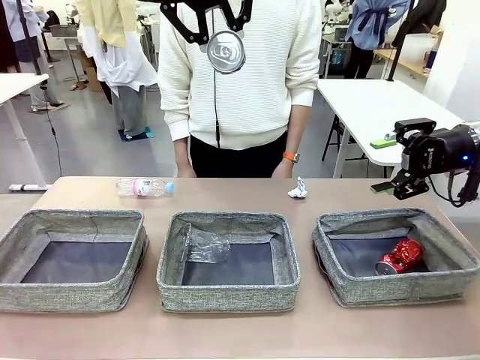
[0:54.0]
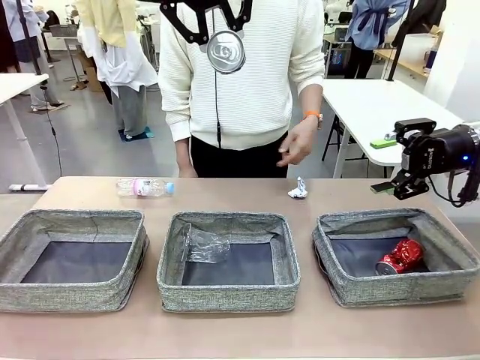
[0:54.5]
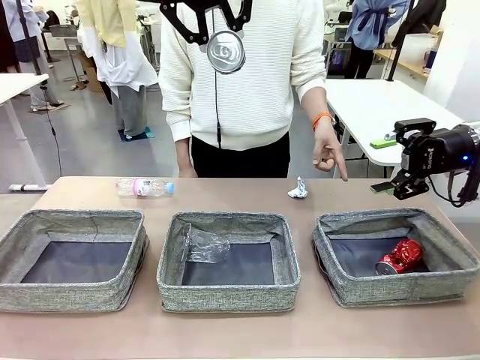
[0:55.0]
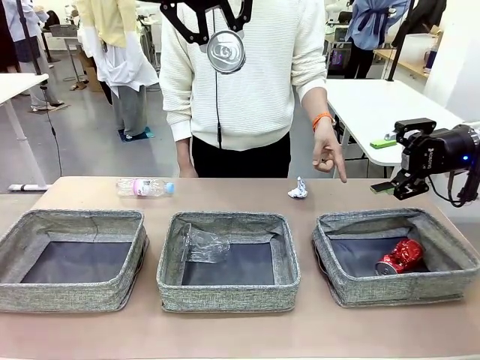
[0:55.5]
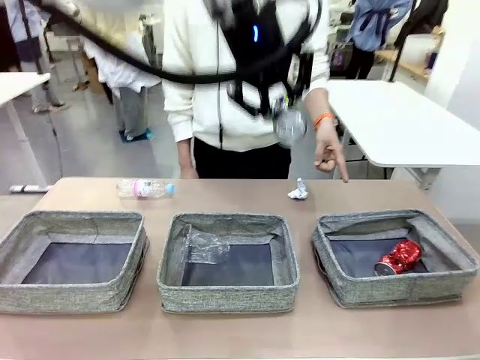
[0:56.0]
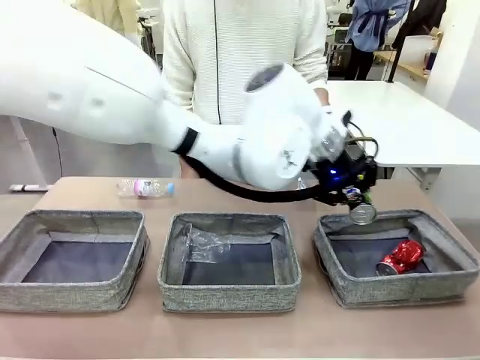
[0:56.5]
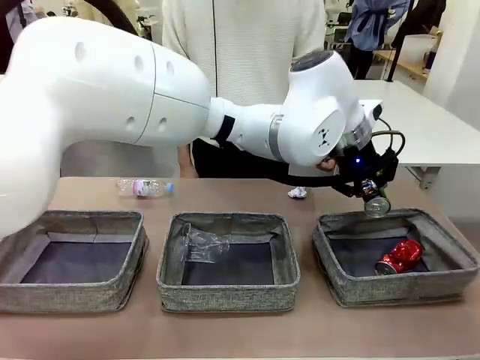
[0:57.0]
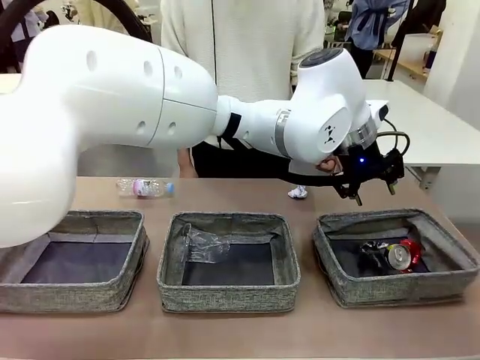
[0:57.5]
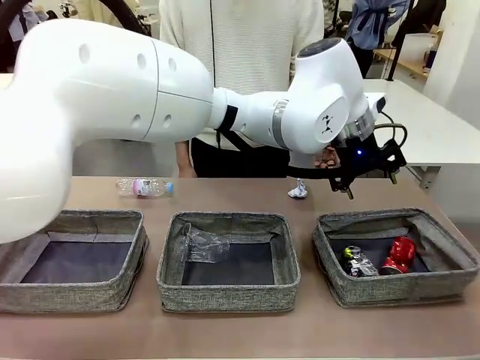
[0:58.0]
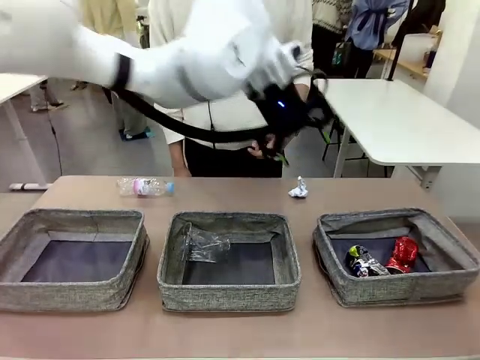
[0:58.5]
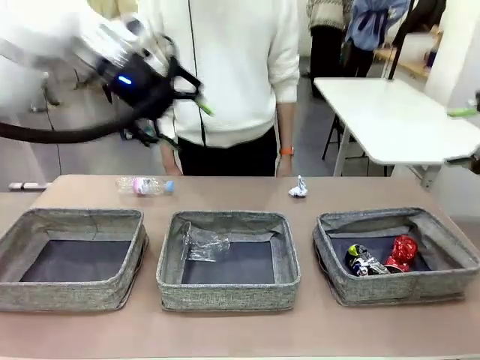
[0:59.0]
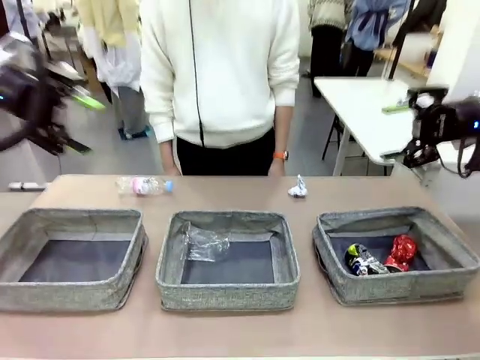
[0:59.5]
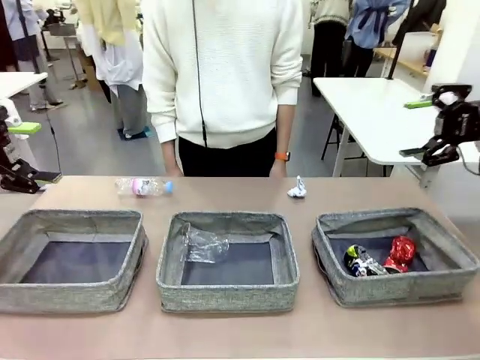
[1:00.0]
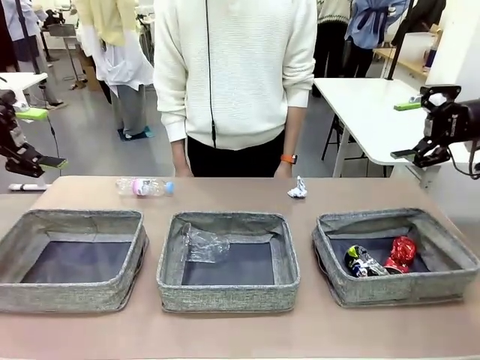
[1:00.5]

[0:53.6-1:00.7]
Task: Sort the waste into the appropriate baskets.
Robot: Place the picked waste into the Fabric basket indicated by the person.
Person: Instructs the robot to place the picked-up trash into the appropriate organizing basket.

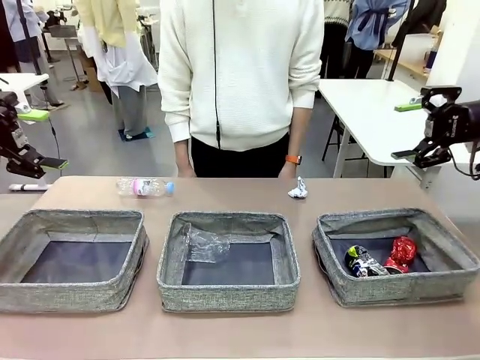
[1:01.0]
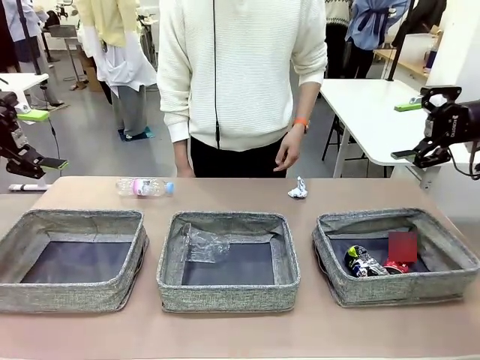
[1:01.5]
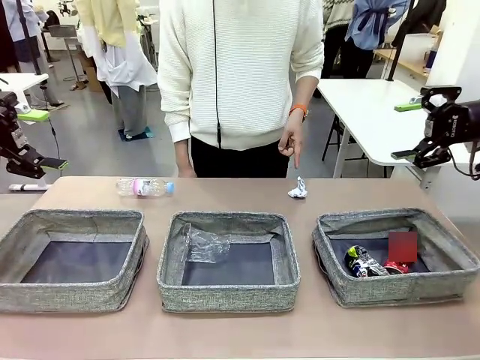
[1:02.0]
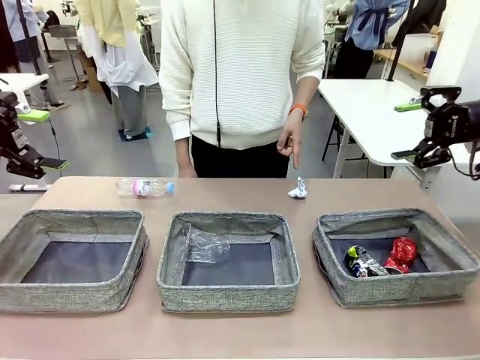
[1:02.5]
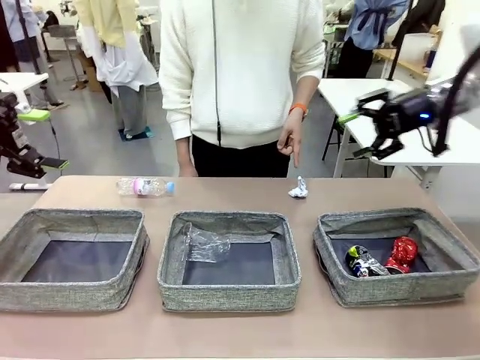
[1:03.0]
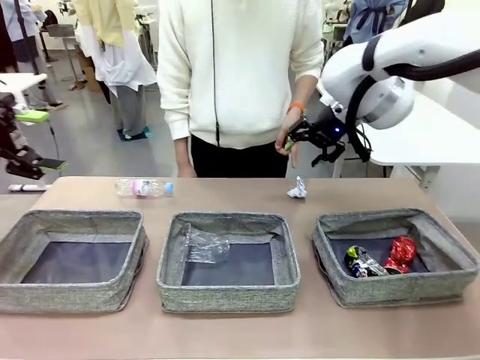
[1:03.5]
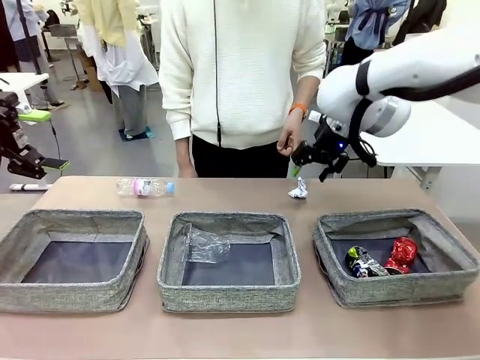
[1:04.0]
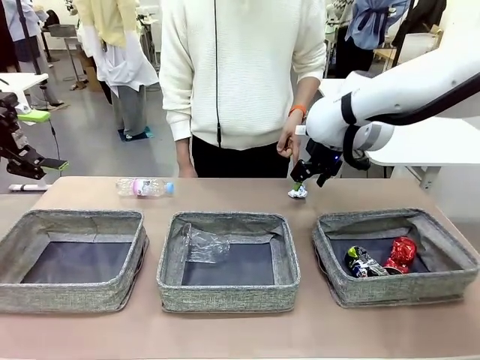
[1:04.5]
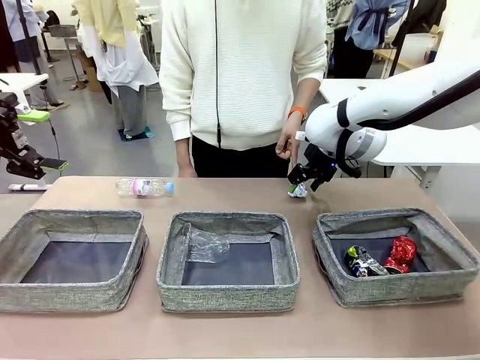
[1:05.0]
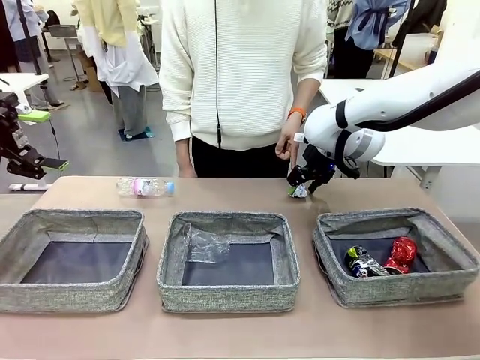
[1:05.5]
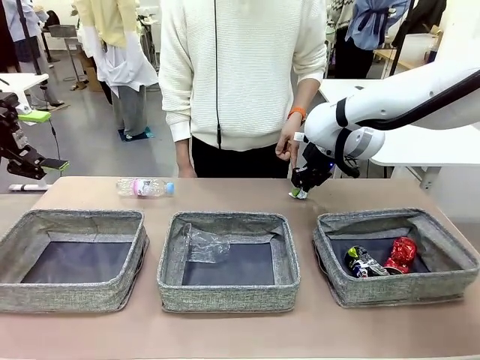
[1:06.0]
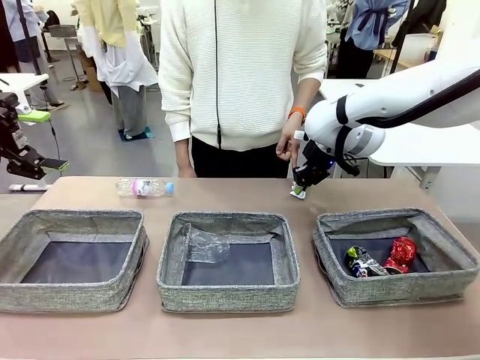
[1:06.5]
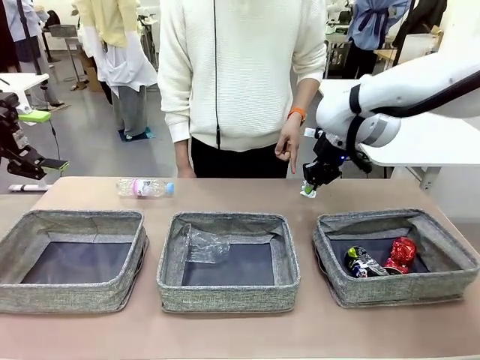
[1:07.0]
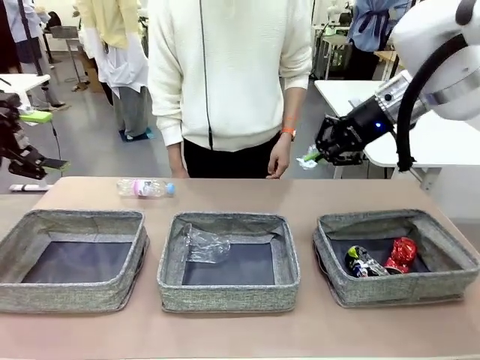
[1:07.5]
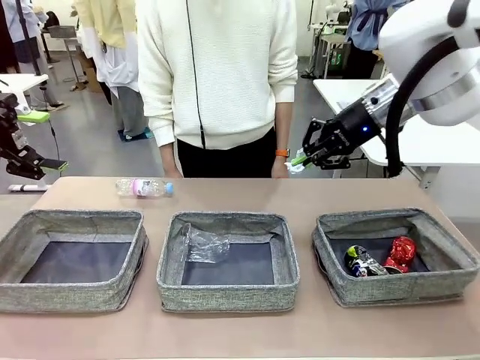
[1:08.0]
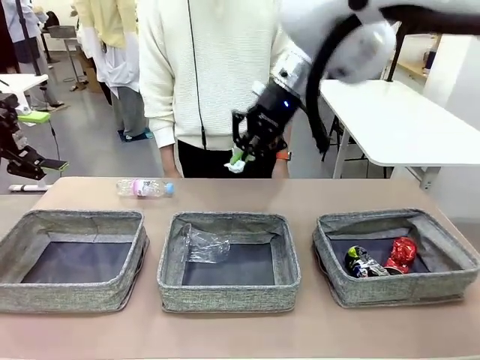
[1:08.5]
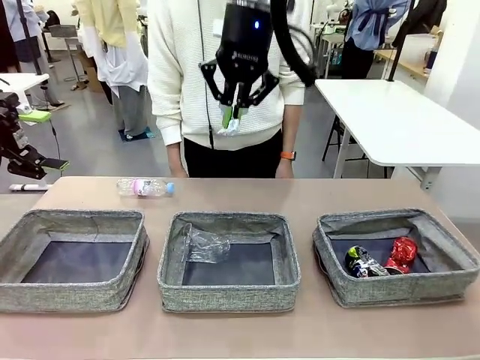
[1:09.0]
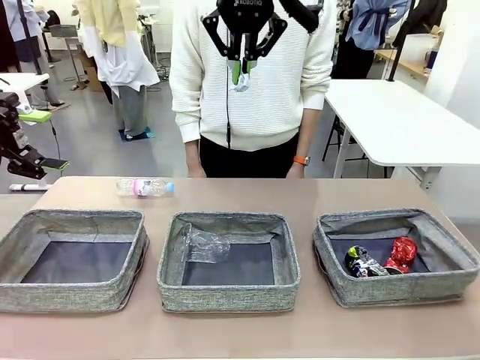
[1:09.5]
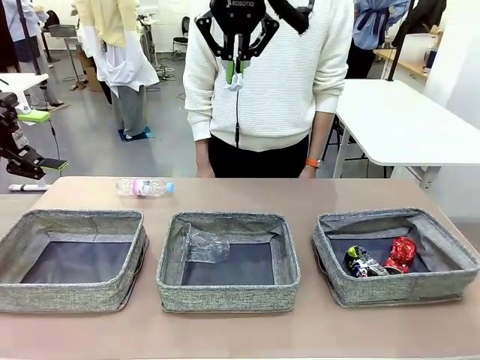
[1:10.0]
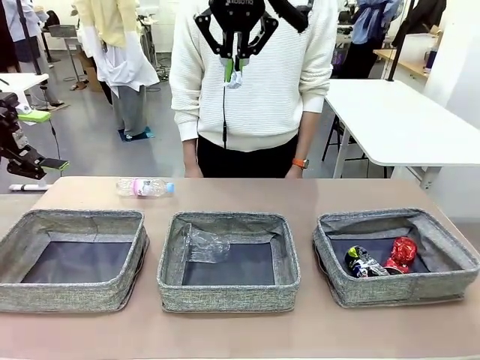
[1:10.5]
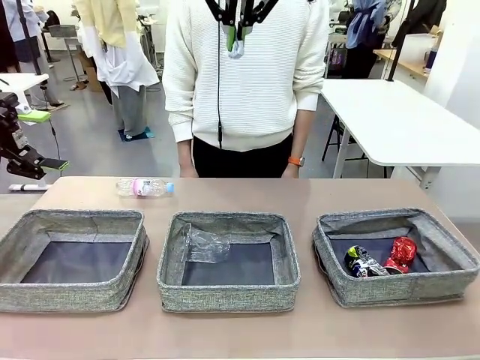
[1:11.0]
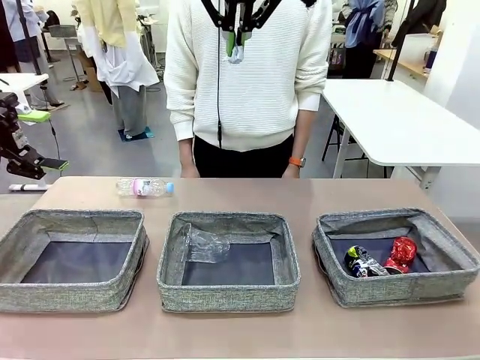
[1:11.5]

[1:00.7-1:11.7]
Robot: Pick up the waste item pointed out by the person.
Person: Points to one piece of trash on the table.

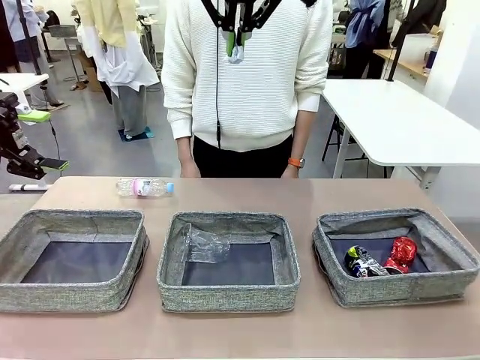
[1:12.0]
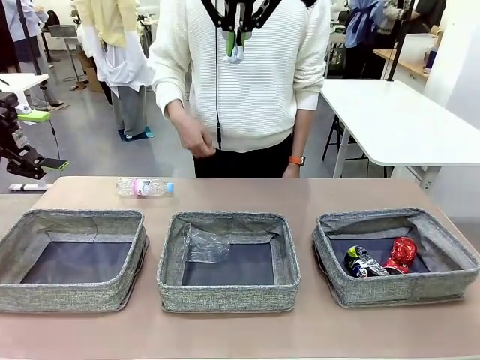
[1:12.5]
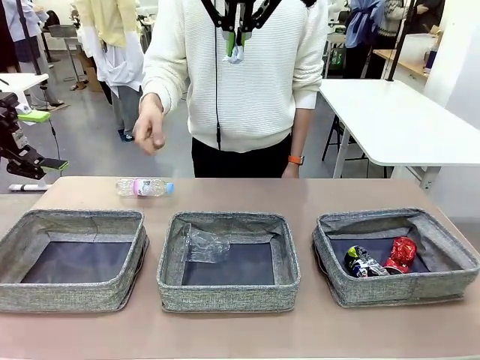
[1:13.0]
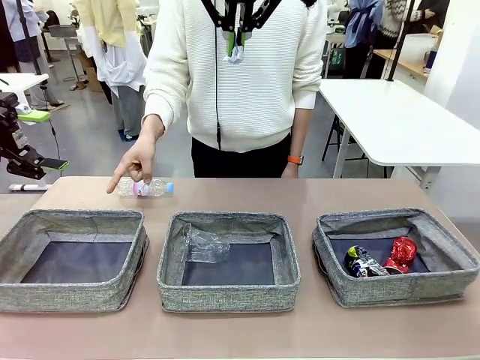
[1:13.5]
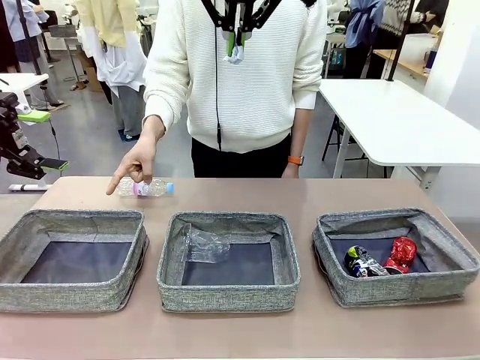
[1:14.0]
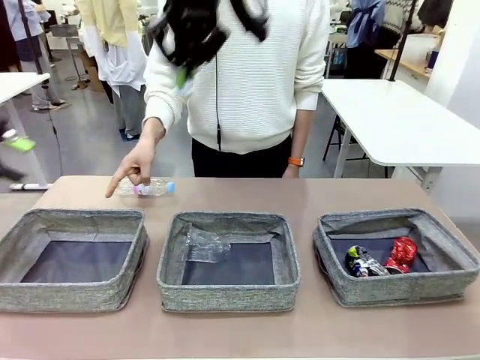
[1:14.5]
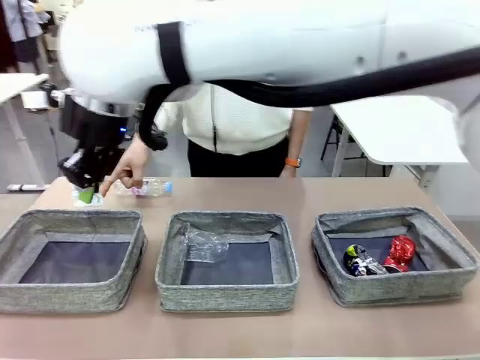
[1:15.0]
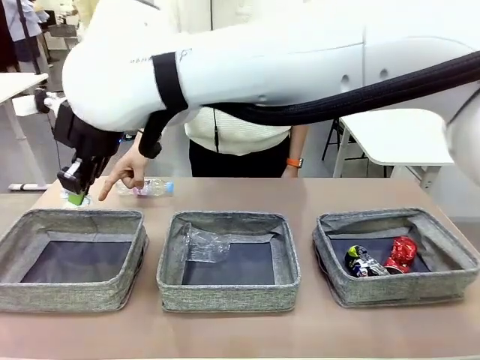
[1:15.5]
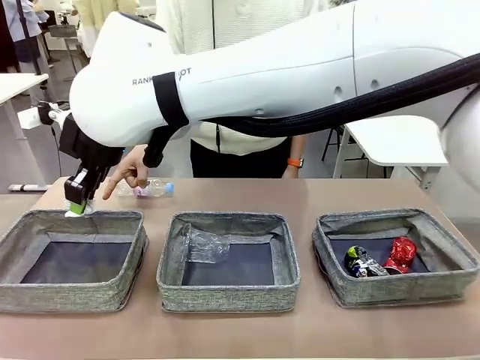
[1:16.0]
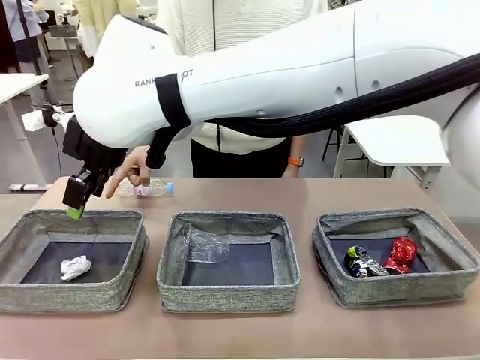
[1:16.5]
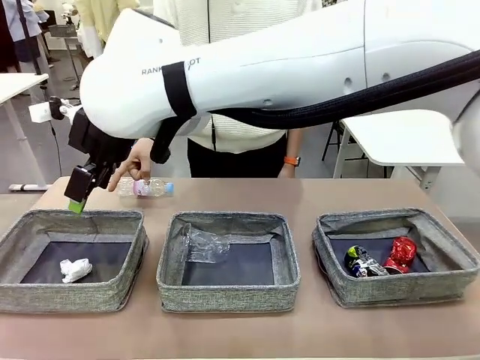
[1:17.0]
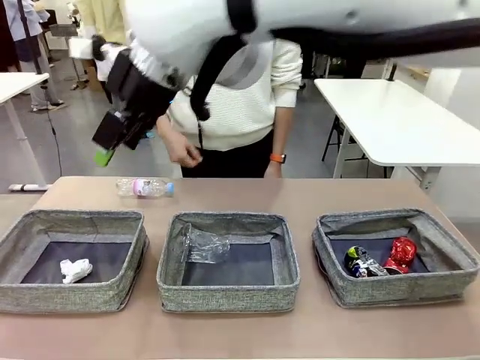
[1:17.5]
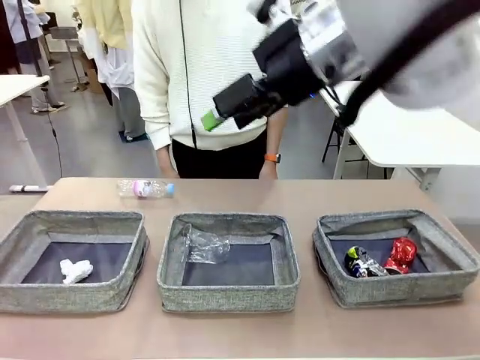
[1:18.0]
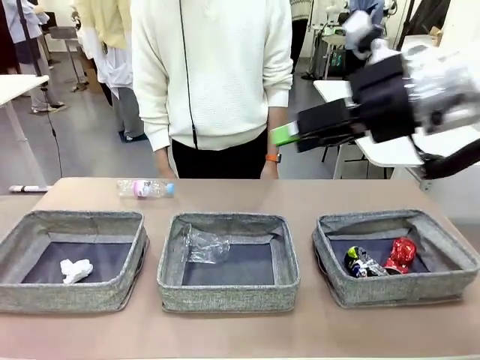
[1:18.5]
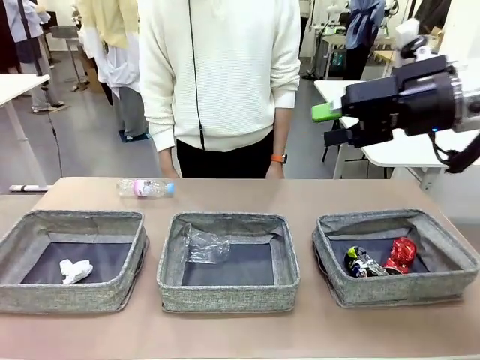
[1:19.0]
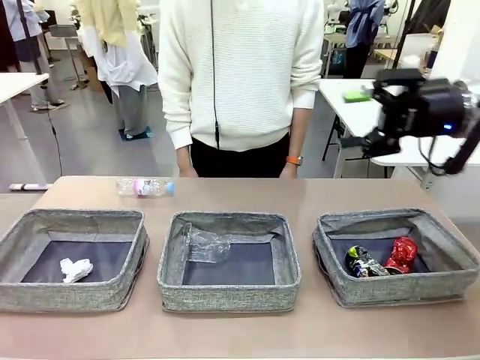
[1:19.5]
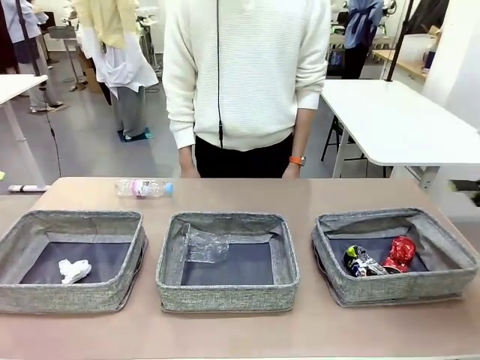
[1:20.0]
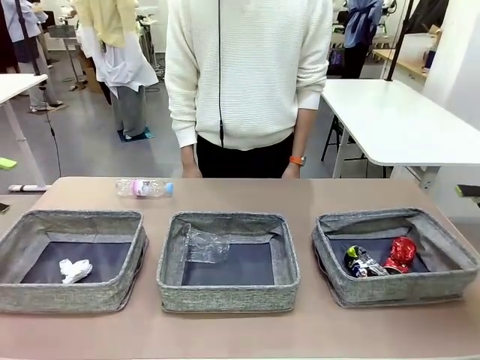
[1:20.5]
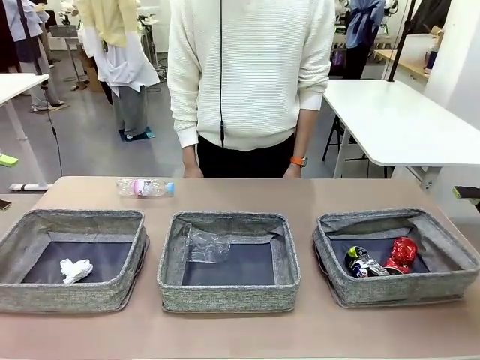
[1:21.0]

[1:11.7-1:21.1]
Robot: Place the picked waste into the Fabric basket indicated by the person.
Person: Instructs the robot to place the picked-up trash into the appropriate organizing basket.
